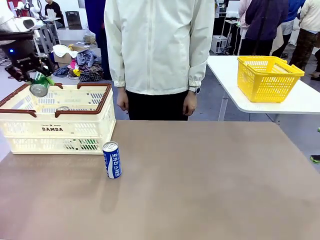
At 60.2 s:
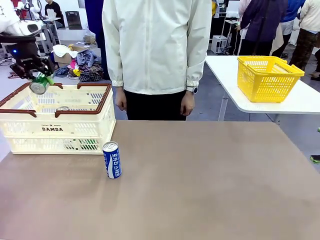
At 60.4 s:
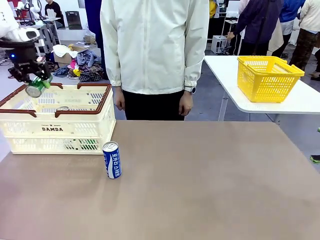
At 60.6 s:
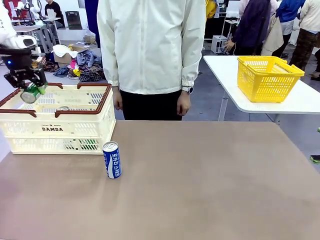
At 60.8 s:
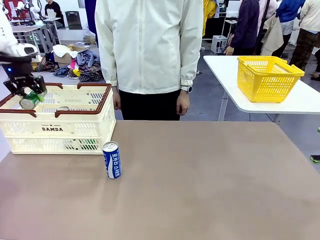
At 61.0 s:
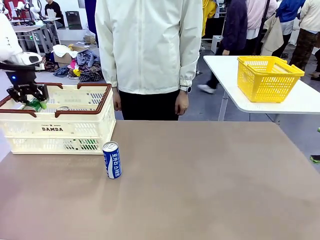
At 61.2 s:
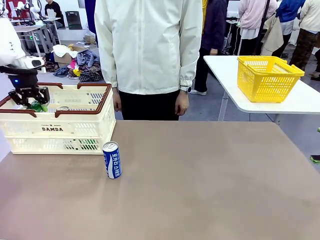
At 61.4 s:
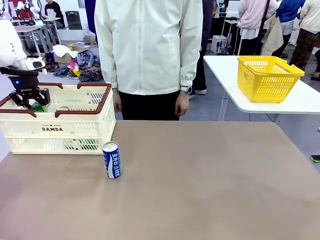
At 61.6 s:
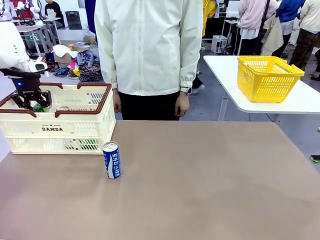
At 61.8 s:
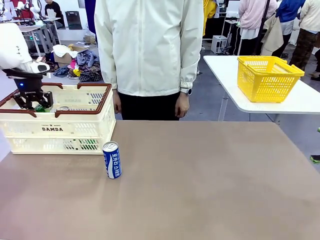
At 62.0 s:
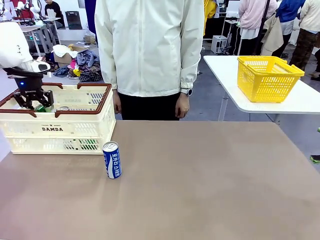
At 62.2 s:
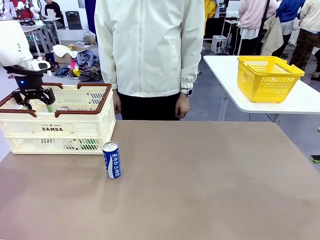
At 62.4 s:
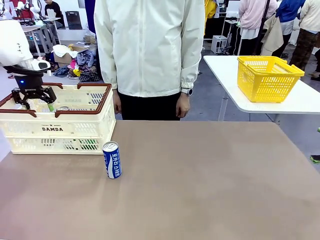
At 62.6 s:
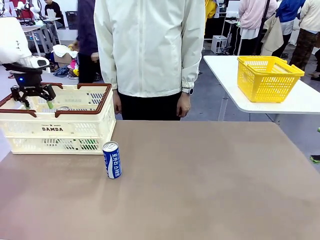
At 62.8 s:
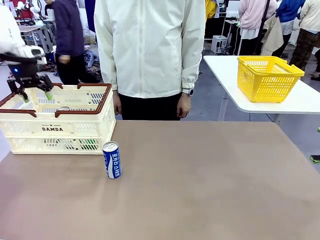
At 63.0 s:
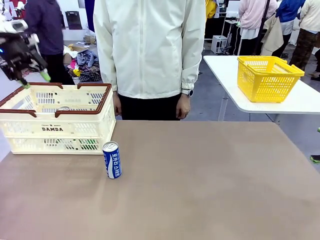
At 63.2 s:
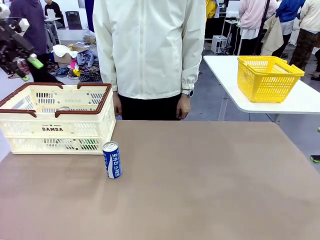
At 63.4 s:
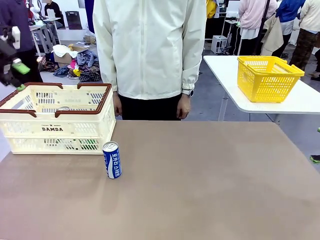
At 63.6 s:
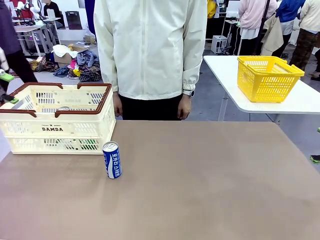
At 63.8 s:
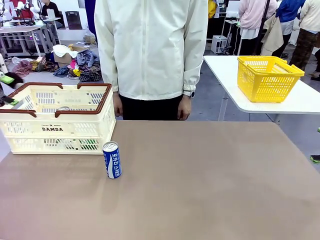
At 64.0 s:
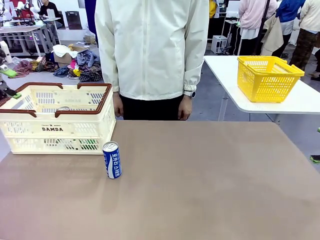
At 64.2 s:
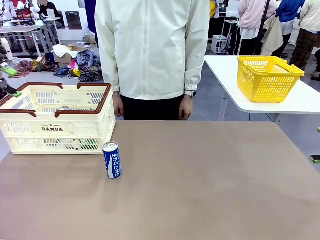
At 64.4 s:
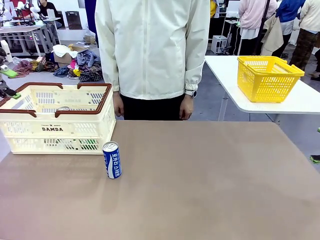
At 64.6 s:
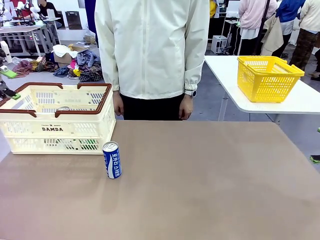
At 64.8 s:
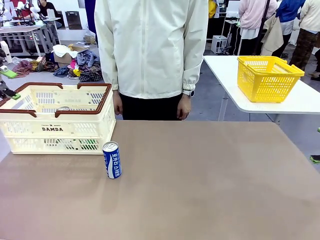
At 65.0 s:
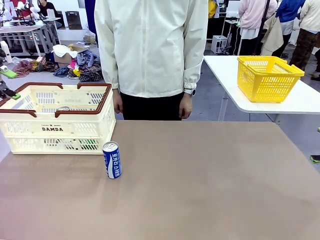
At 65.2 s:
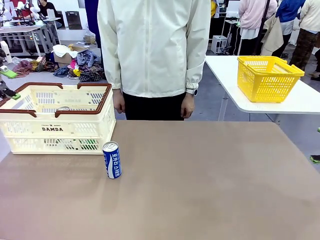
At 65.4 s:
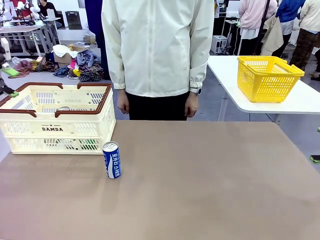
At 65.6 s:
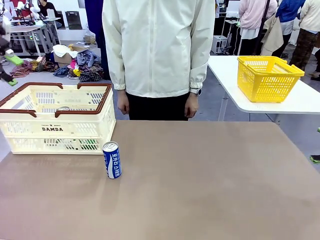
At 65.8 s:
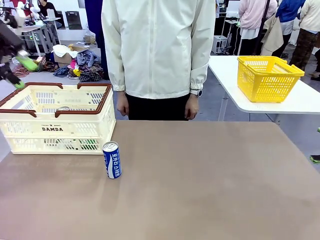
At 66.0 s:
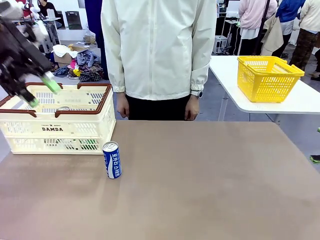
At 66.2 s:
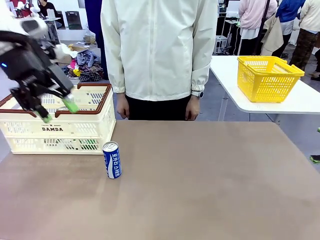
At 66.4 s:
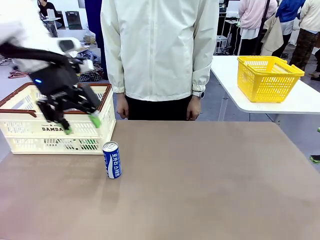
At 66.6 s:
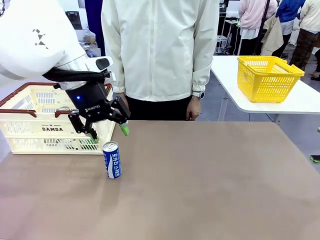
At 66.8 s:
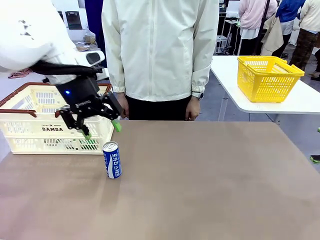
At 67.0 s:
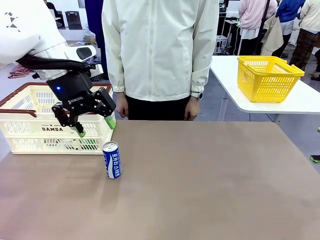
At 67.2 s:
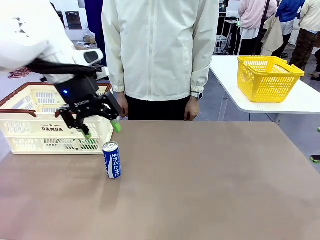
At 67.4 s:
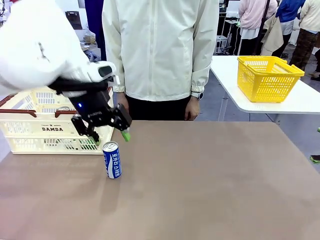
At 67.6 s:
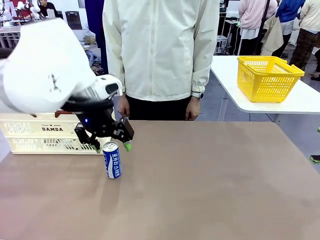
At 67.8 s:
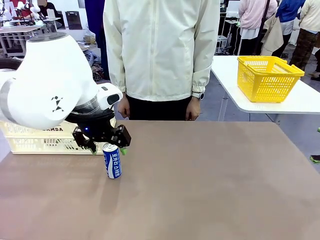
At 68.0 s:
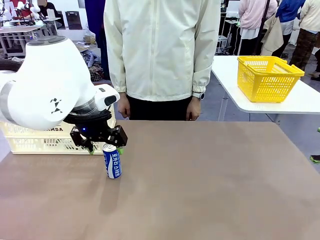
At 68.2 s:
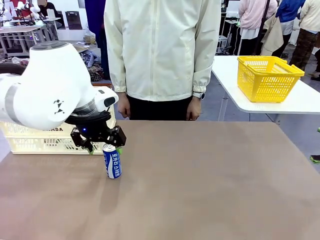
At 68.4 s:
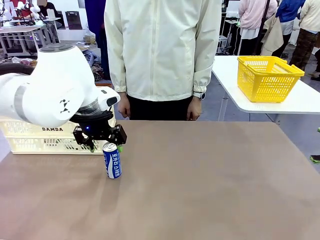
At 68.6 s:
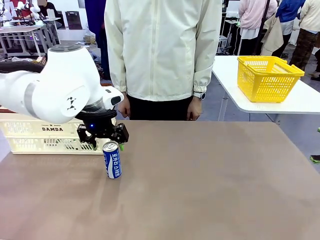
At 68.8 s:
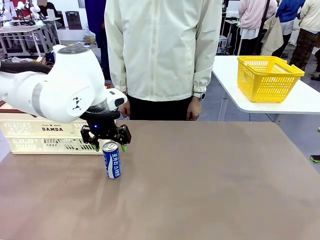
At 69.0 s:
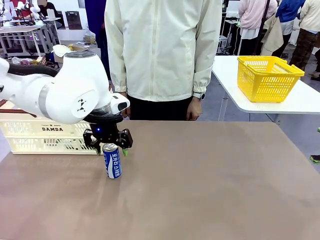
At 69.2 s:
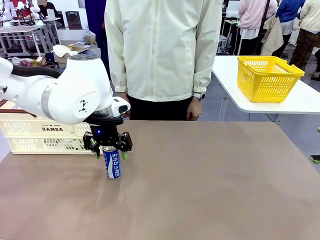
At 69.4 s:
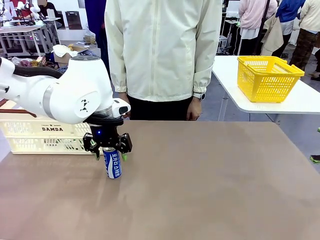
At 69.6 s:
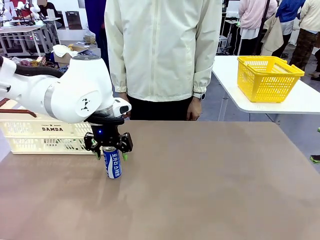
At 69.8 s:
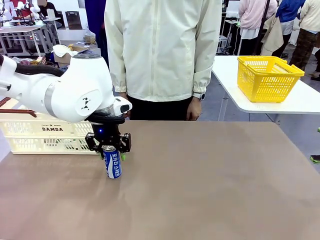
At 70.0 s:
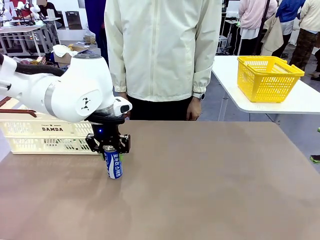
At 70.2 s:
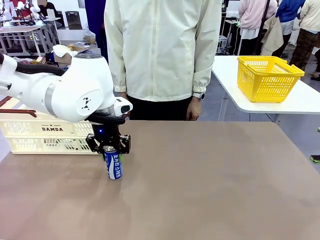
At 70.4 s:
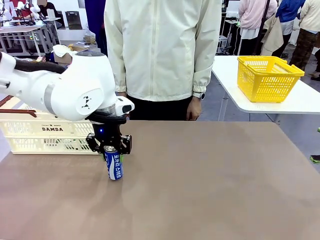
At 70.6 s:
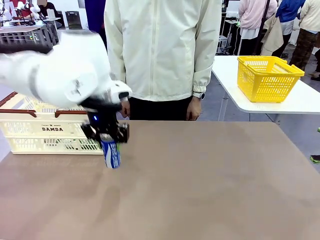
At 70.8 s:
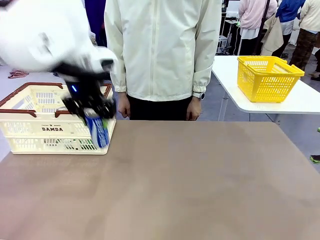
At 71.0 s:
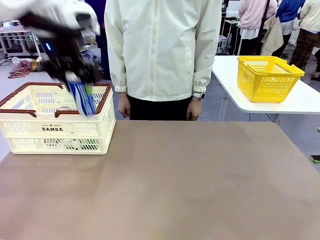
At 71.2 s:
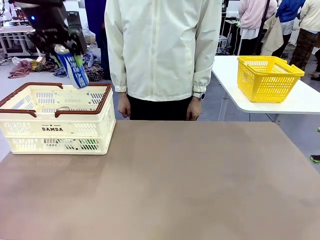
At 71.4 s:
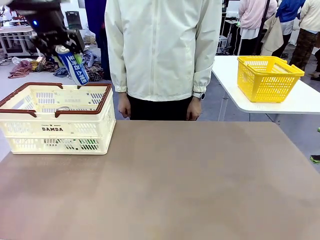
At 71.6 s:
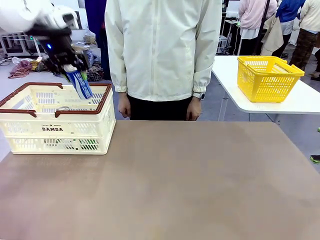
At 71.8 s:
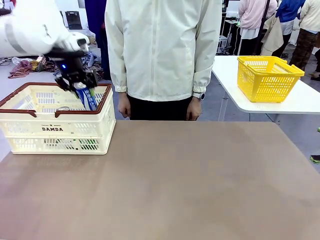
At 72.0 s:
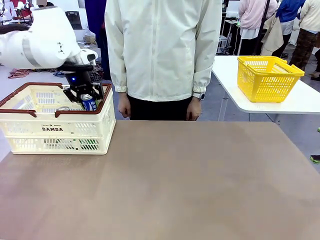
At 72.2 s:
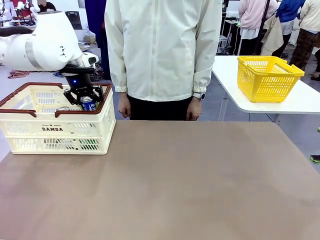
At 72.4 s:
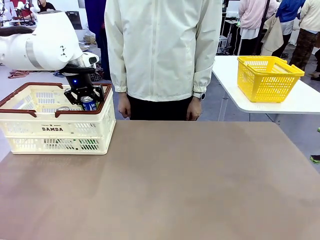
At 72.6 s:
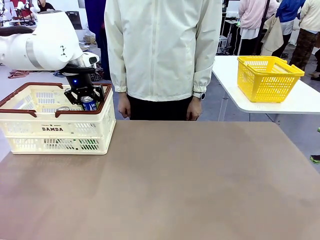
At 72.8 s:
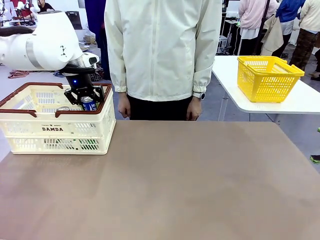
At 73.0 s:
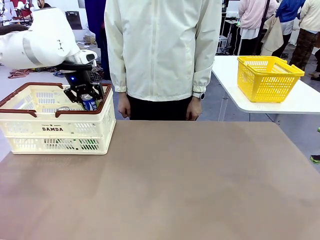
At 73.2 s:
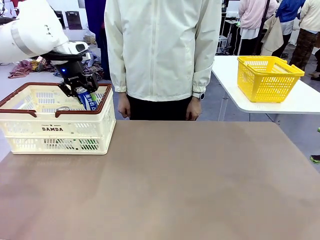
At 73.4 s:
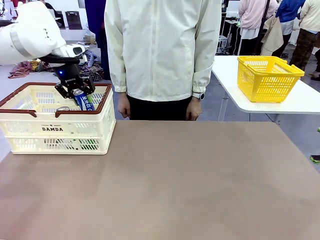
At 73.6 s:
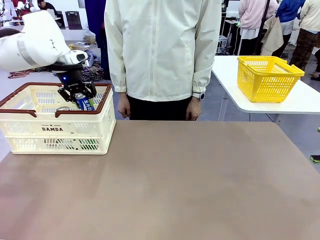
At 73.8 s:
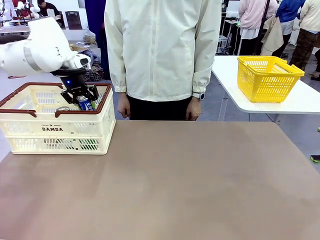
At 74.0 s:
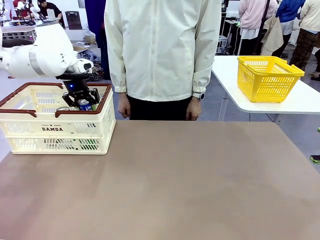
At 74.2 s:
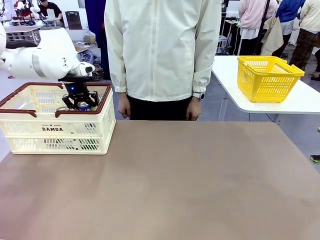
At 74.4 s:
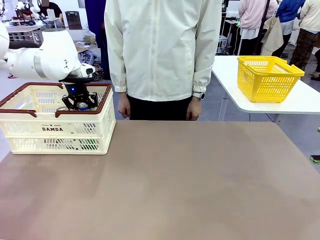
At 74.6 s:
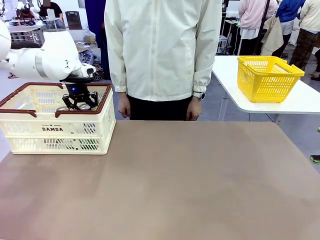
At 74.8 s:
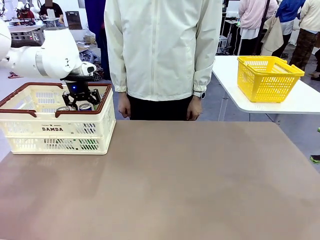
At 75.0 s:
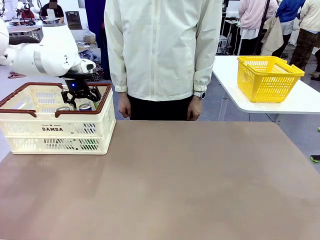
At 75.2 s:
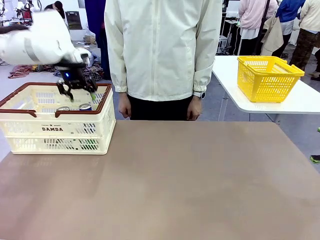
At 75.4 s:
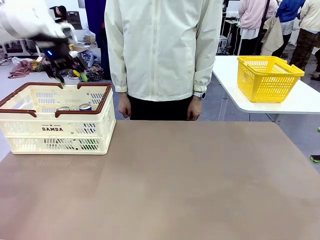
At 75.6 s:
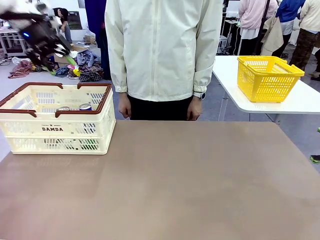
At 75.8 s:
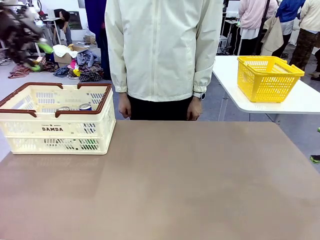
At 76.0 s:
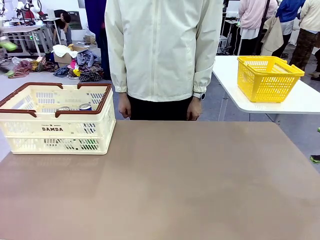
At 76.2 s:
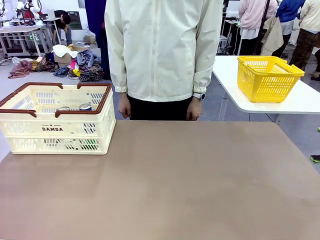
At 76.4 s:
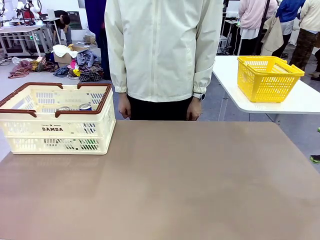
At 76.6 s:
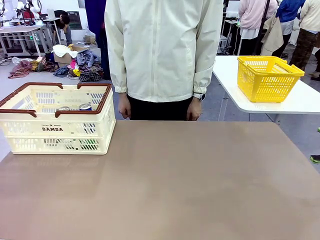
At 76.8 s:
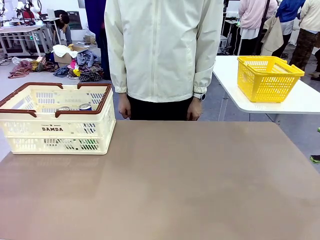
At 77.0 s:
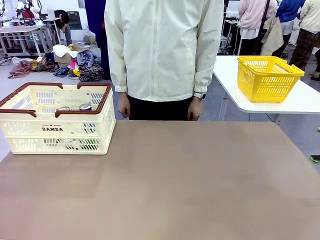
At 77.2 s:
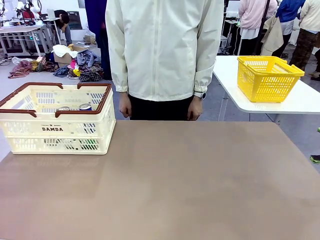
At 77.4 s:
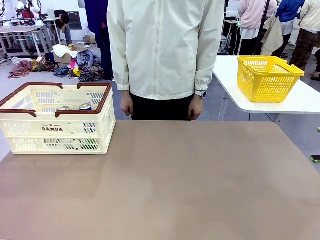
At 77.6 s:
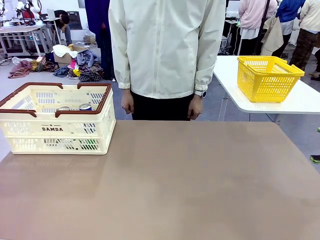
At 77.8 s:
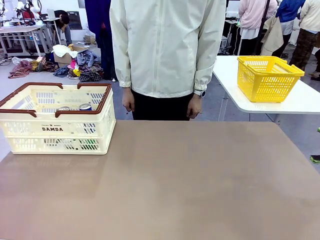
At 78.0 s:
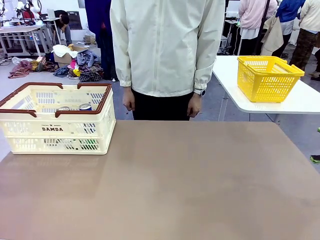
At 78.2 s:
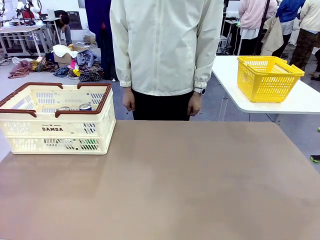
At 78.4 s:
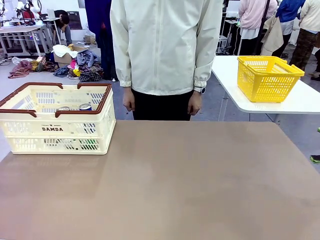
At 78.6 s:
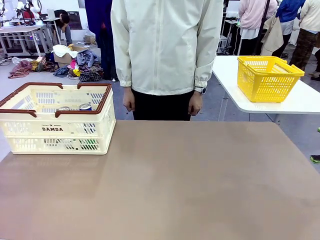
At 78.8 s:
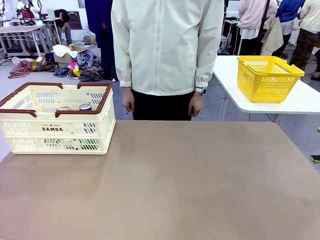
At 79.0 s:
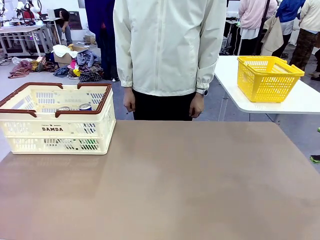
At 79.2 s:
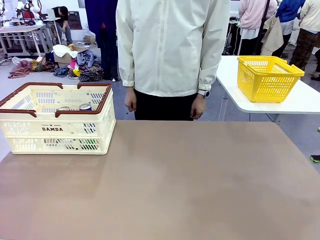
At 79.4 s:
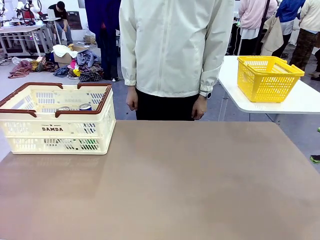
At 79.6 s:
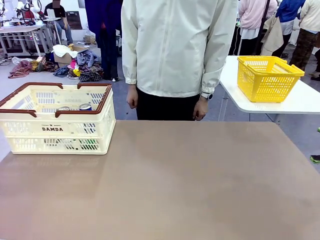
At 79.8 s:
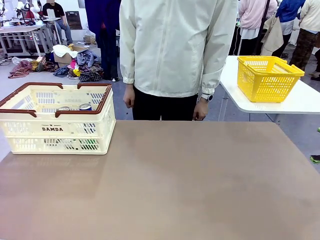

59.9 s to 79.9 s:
Task: Place the drinks into the Shopping basket.
Robot: Pick up one drink and place it into the Shopping basket.
